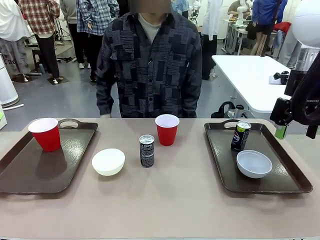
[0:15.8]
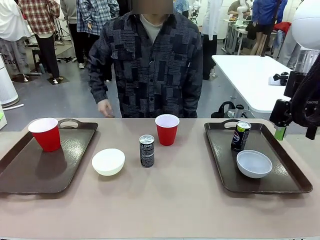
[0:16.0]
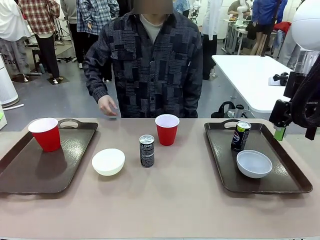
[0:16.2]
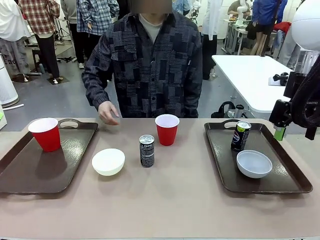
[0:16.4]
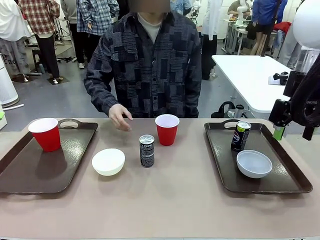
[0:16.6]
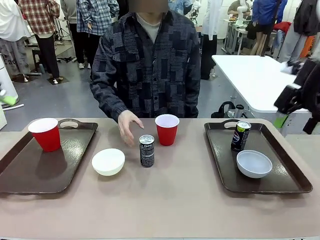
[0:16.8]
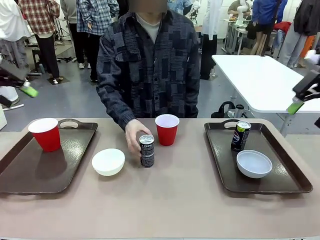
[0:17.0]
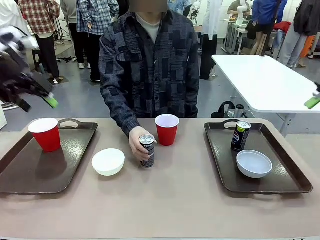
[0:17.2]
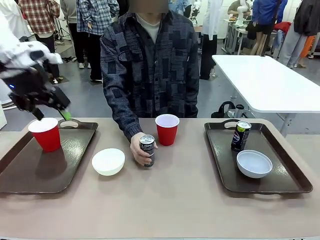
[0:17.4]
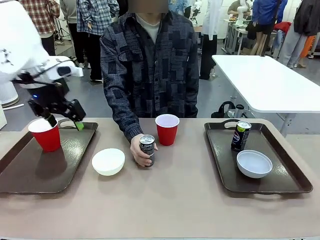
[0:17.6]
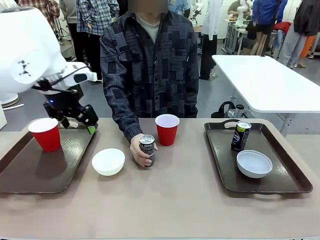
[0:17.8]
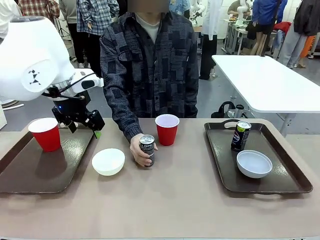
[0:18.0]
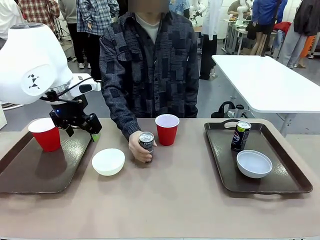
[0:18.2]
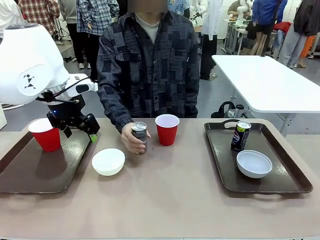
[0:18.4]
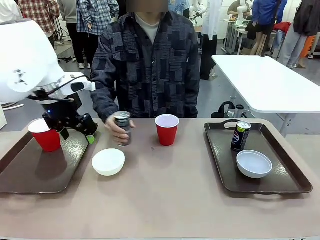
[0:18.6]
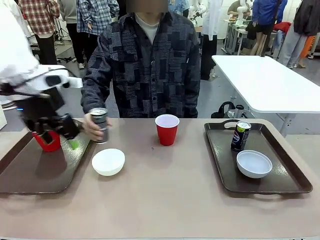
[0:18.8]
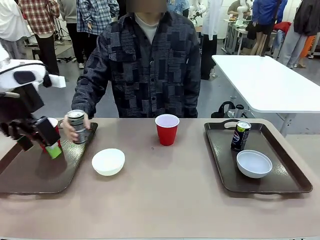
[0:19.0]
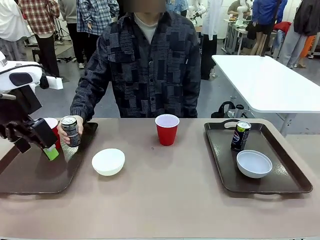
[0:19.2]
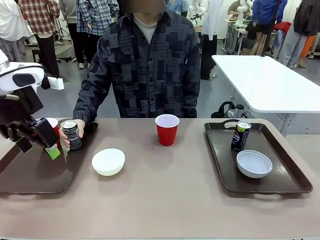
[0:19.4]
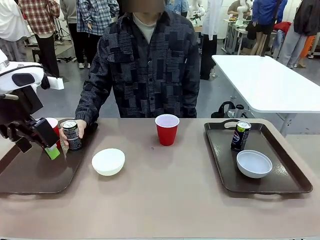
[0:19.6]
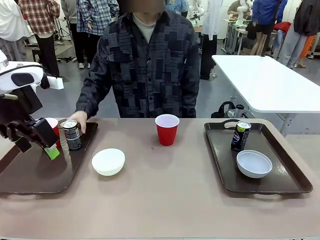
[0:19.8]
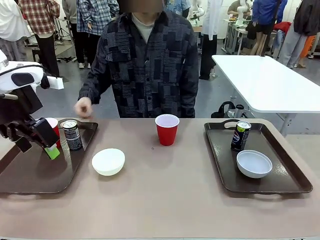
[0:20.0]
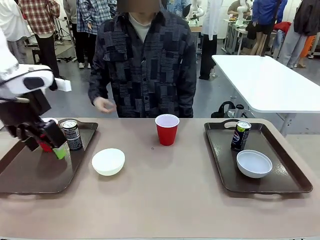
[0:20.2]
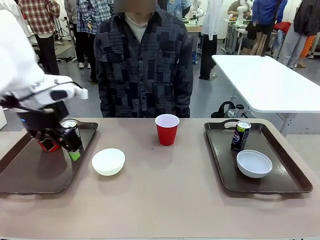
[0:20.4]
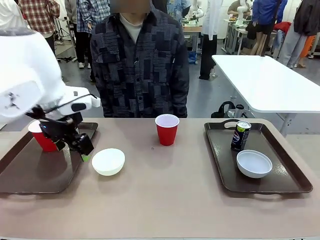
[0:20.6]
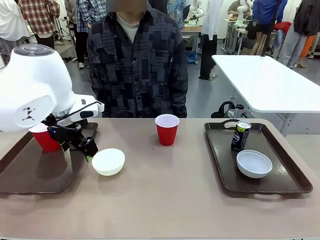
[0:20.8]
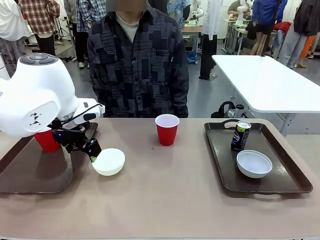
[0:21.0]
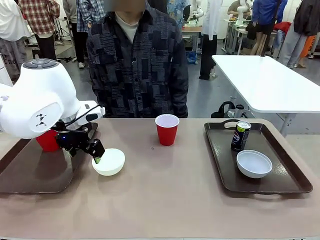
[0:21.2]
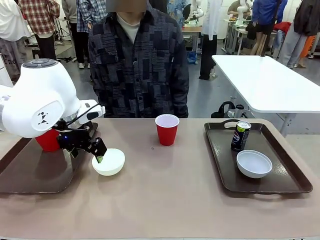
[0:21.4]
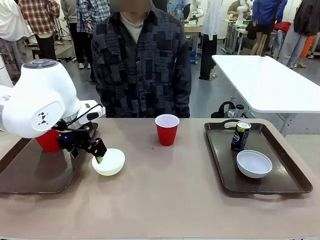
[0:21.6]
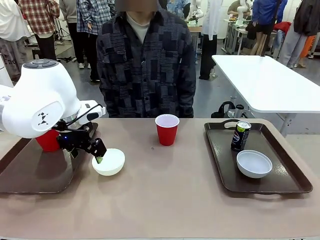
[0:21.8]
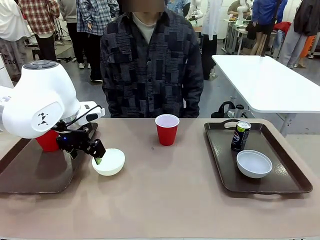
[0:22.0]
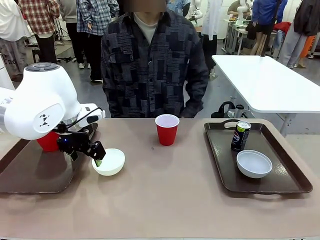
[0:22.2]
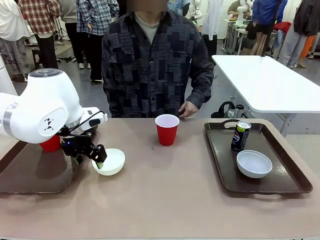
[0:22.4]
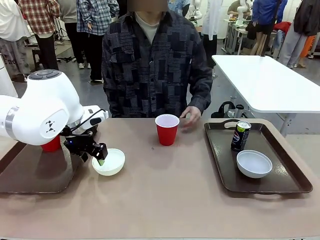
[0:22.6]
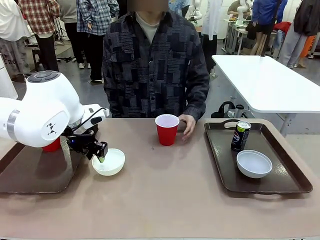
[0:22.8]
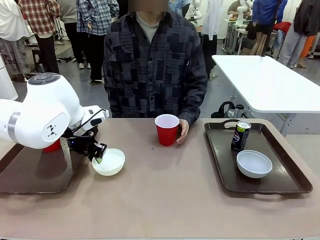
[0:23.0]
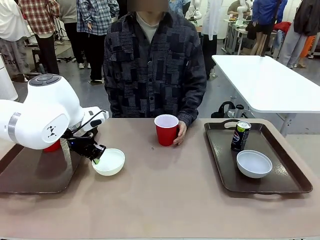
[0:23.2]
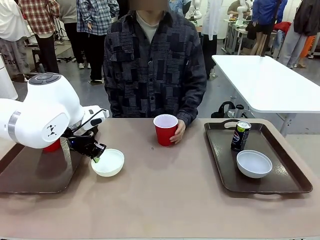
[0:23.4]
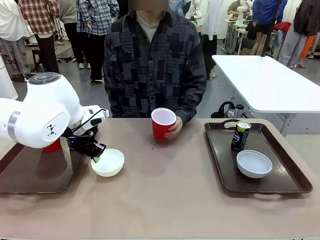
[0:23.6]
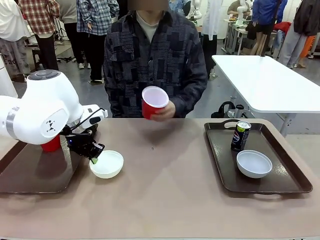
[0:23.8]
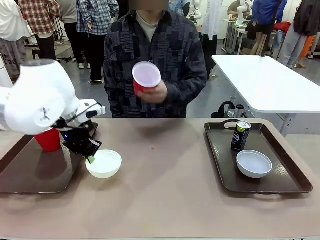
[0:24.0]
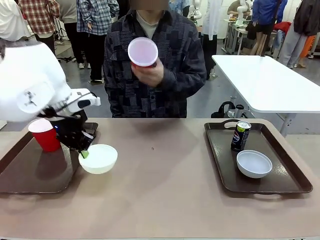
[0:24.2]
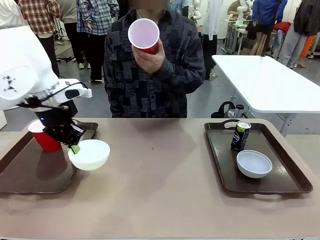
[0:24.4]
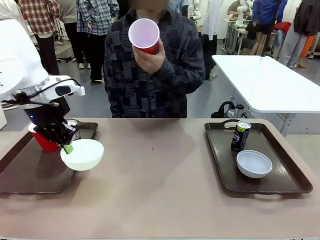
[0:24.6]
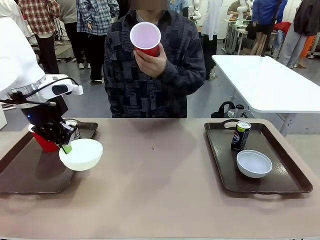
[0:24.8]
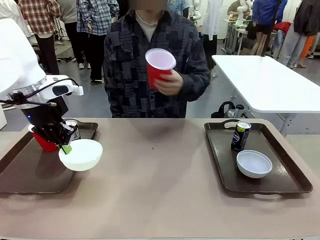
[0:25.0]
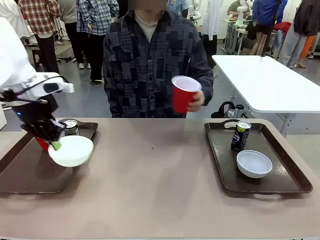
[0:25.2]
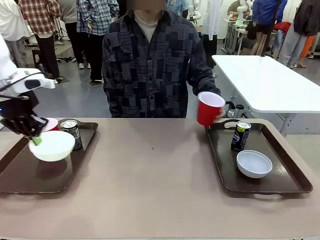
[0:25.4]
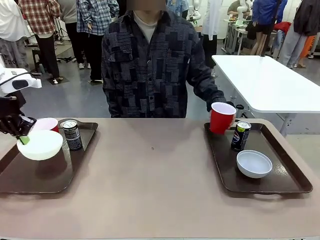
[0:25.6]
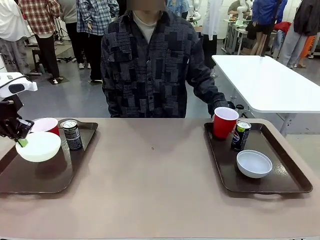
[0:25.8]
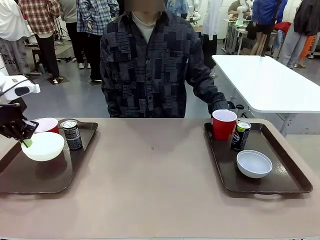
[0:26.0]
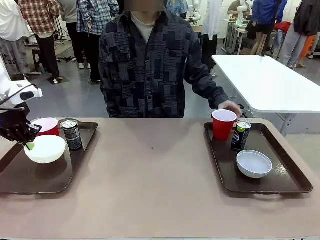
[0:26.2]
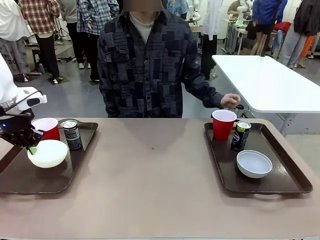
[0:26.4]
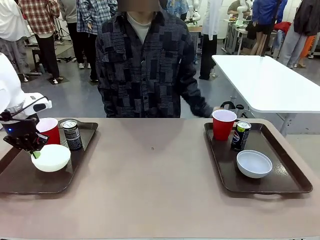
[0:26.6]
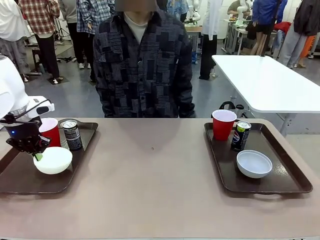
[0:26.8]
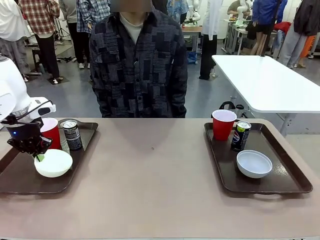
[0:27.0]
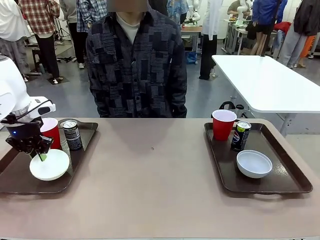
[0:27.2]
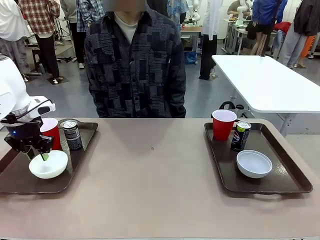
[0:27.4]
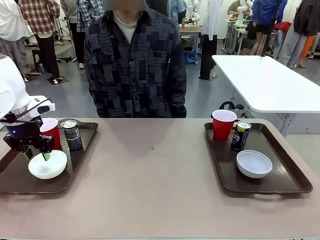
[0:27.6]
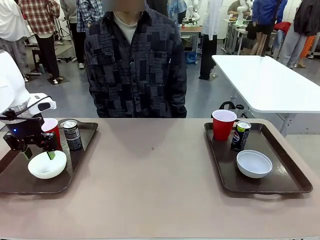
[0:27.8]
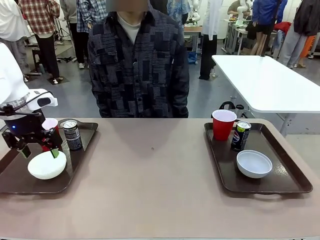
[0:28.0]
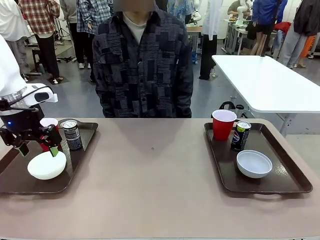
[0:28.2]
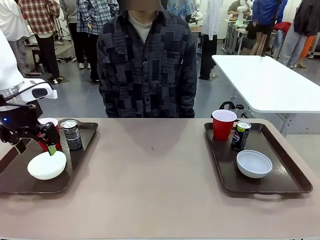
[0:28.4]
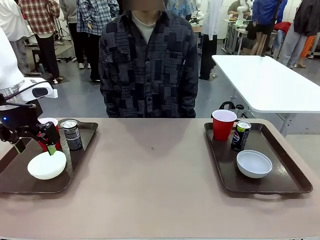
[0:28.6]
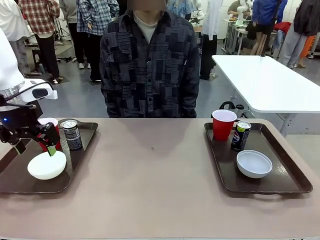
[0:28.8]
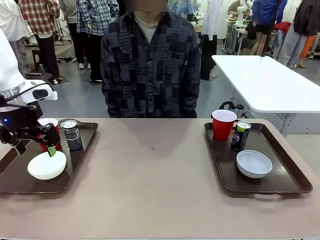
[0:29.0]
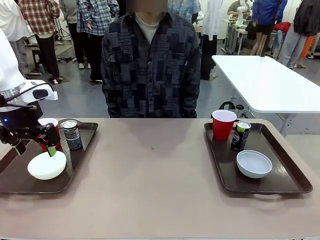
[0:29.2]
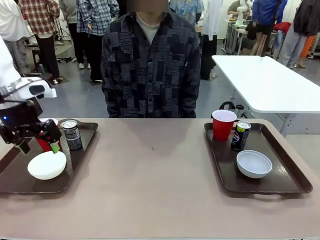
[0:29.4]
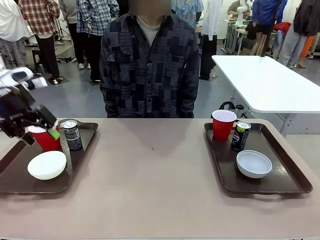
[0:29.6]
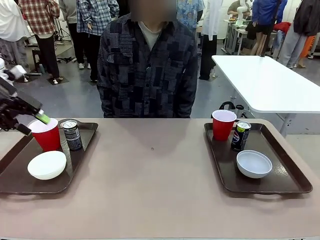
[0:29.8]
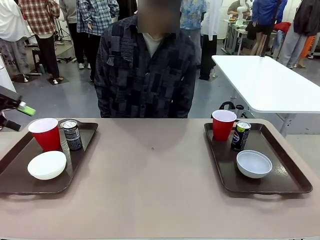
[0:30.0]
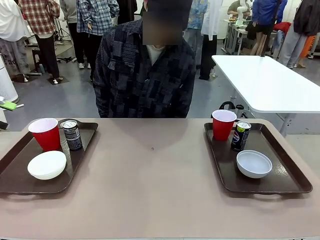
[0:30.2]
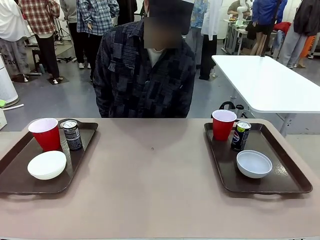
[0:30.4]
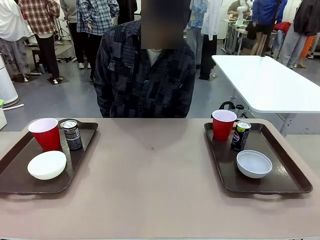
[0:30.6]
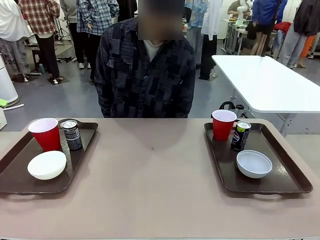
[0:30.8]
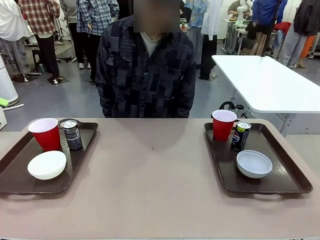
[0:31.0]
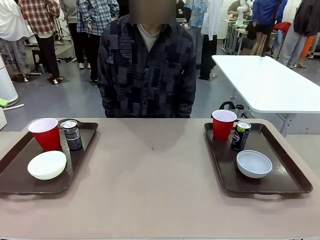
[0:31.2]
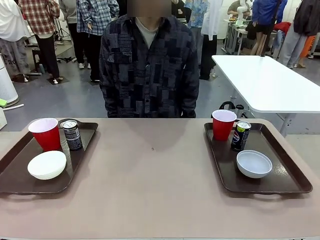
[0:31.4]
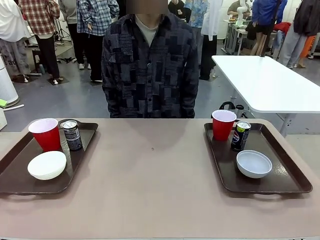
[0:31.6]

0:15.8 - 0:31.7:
Task: Prepare tableware on both trays.
Robot: Pick up a Picnic Bowl from the table and place it on a Handle tray.
Person: Pick up a can or cup and place it on the tray without a can or cup.
